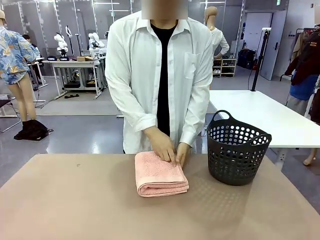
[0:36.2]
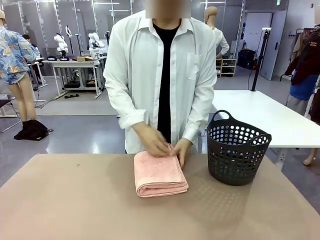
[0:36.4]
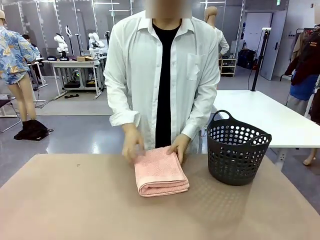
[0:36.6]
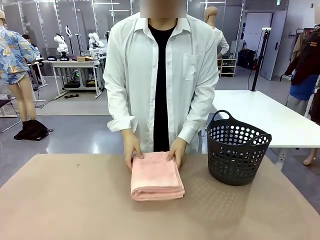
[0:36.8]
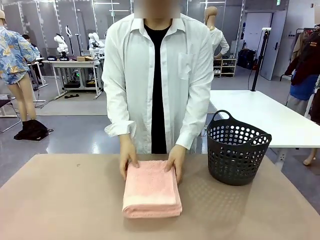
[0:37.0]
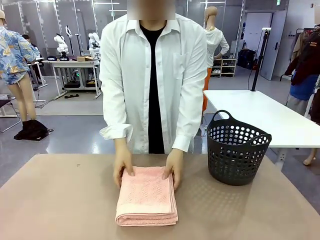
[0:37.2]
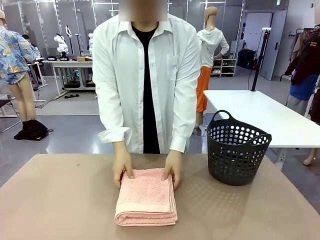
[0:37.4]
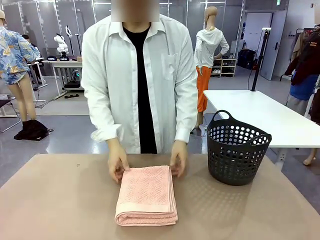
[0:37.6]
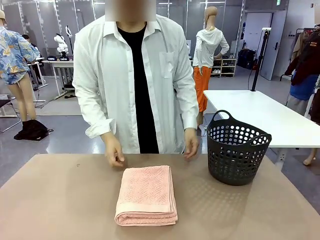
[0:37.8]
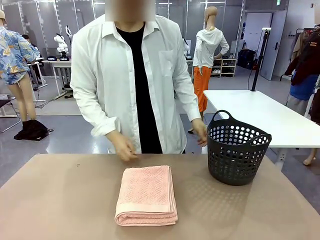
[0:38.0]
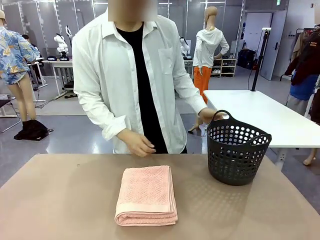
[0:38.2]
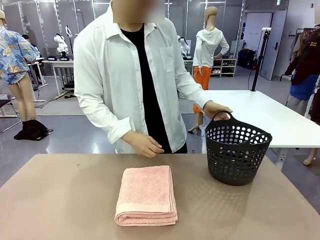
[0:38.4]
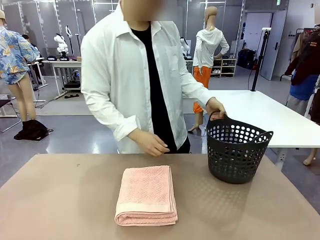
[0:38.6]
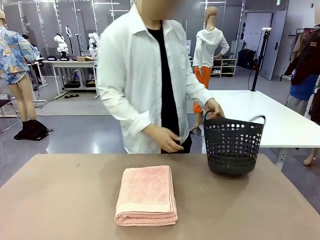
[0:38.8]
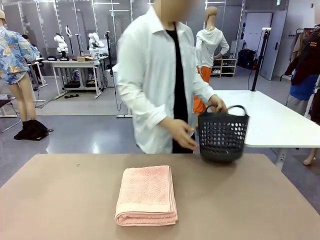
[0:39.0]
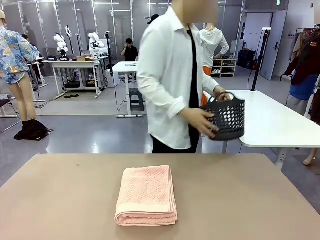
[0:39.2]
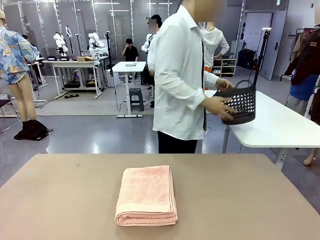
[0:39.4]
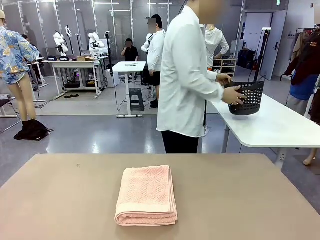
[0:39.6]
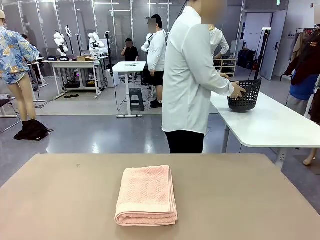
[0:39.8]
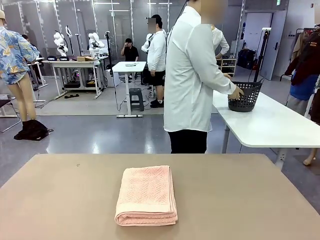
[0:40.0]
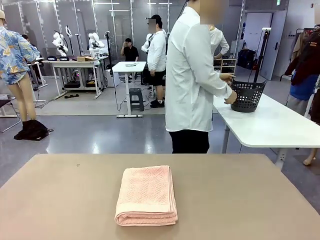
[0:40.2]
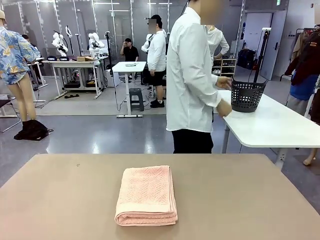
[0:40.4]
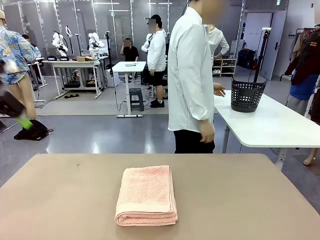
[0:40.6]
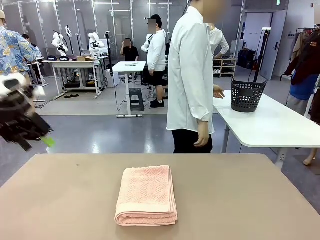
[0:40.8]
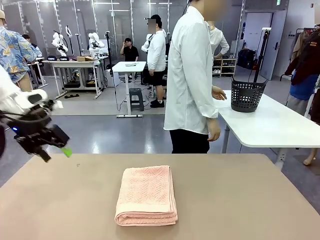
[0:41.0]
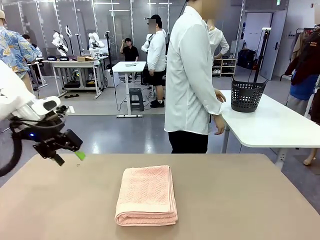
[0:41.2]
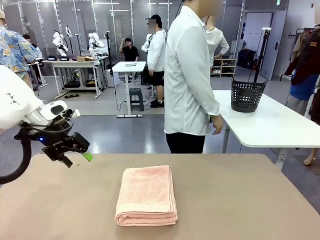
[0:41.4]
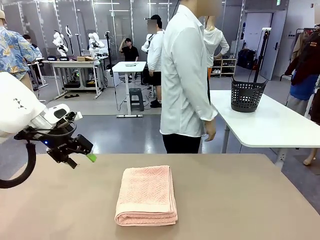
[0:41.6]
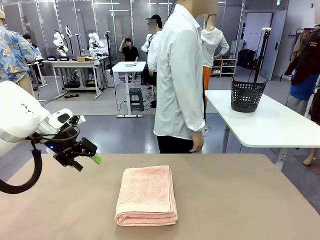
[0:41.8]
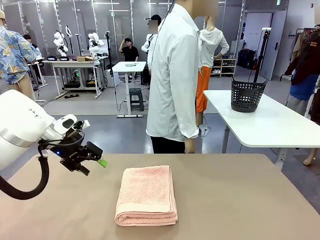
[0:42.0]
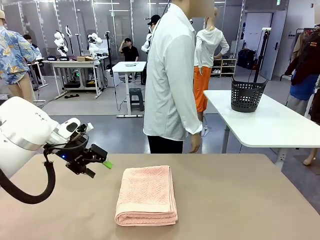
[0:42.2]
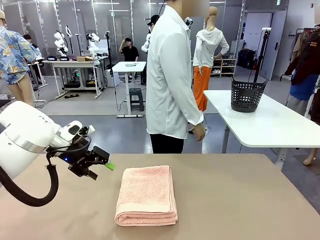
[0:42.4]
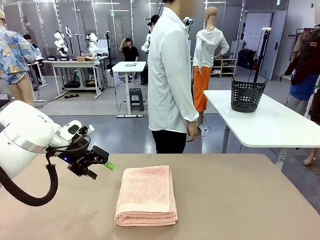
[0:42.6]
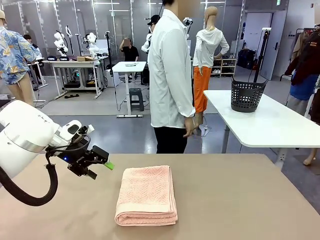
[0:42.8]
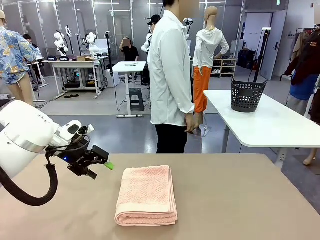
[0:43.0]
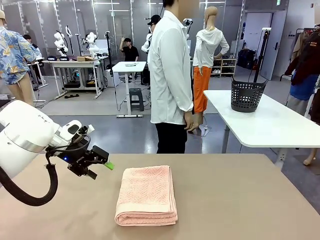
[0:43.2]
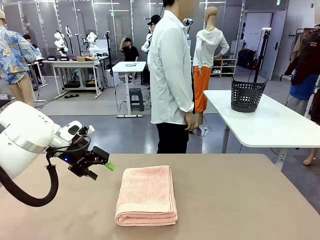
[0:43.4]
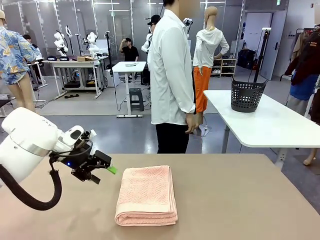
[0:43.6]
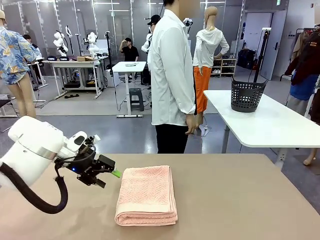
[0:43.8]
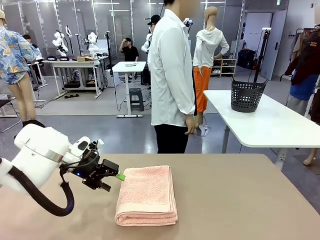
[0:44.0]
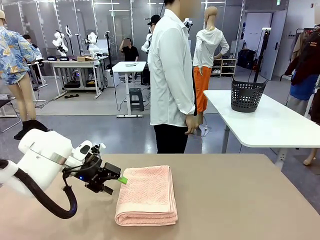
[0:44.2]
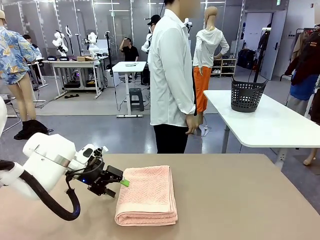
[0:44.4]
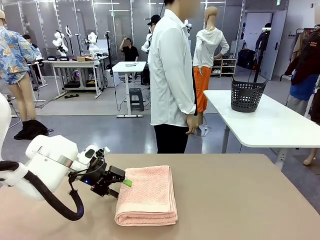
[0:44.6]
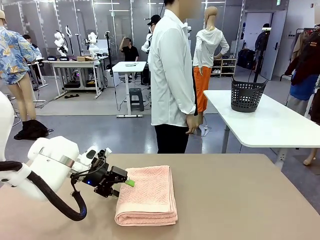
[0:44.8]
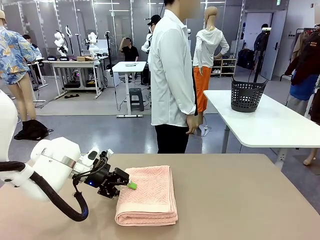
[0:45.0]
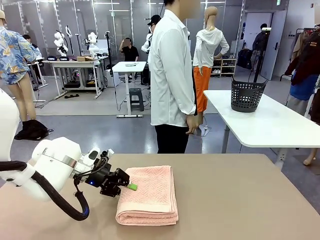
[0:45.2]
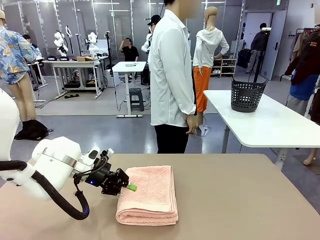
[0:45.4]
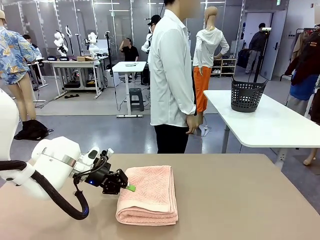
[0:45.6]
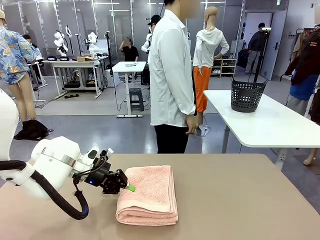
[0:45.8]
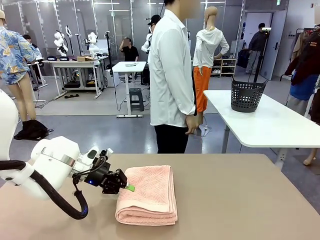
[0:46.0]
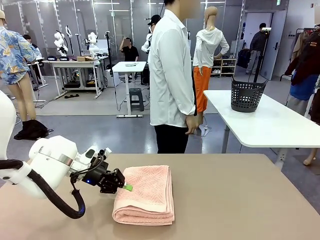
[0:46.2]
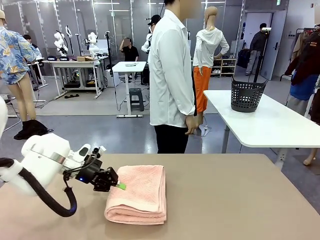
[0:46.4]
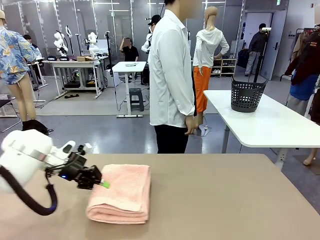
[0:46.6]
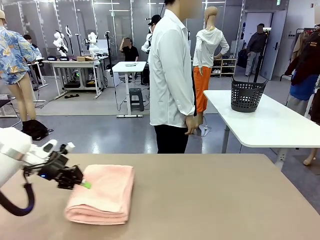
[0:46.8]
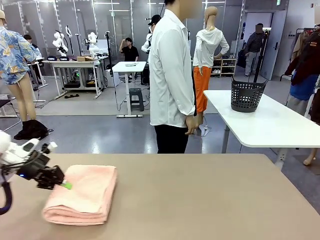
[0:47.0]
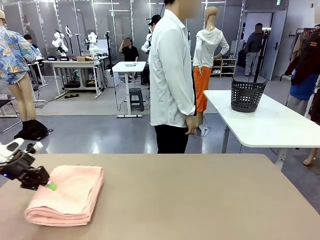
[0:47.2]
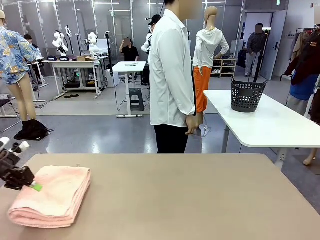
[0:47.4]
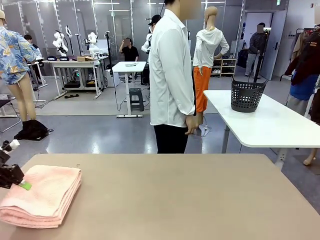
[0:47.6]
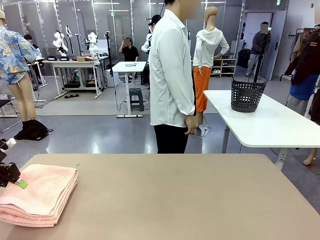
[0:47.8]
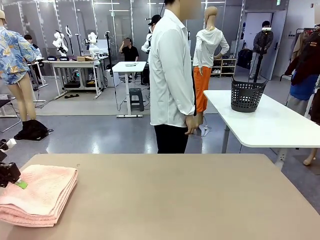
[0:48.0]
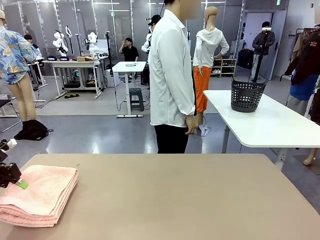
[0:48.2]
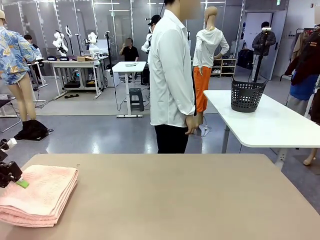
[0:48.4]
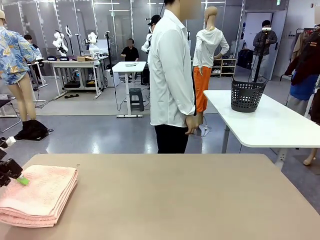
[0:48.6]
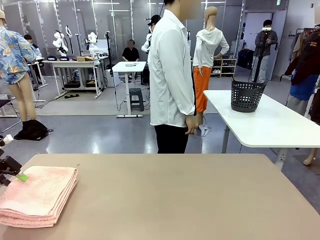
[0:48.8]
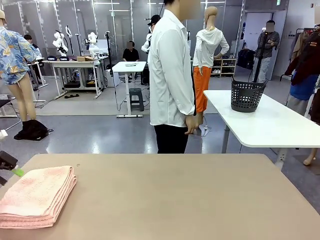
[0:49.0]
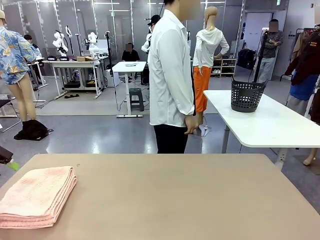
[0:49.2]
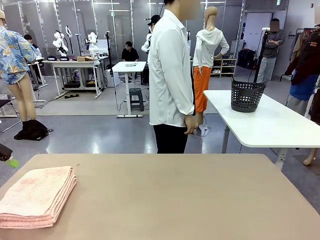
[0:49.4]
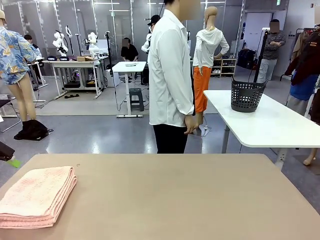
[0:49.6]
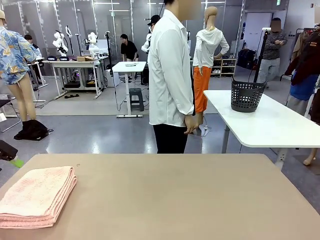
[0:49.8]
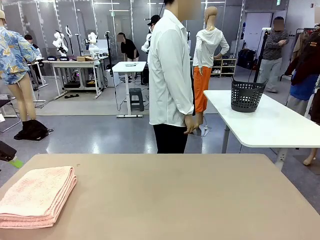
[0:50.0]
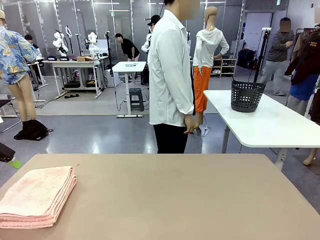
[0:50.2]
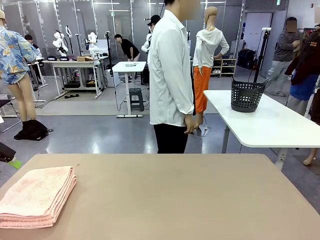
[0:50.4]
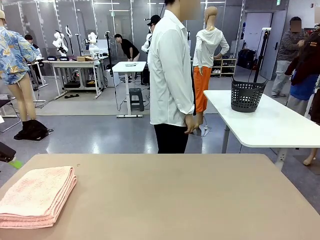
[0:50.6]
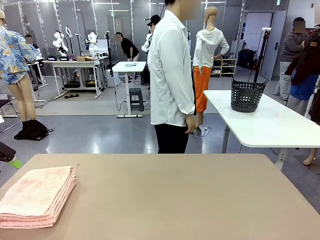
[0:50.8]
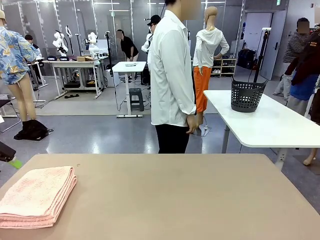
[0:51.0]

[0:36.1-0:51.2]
Task: Fold the towel.
Robot: Pick up the 100 cm Hotel Towel and place it on the left side of the table.
Person: Pick up the laundry basket and place it at the center of the human table.
